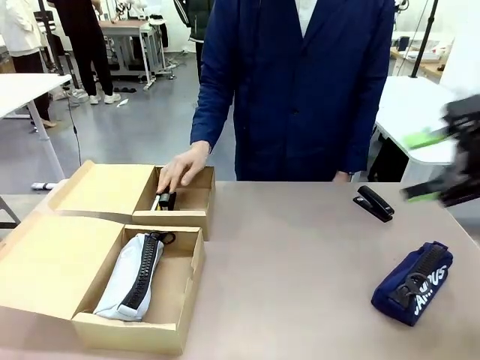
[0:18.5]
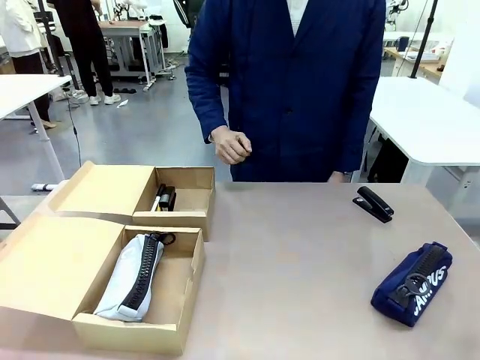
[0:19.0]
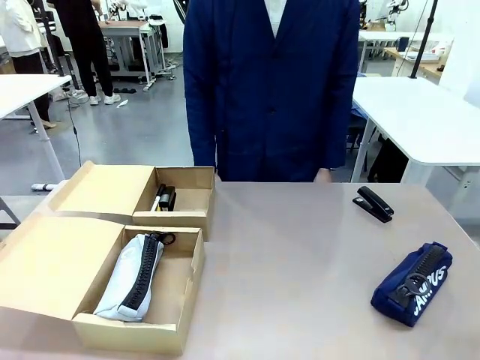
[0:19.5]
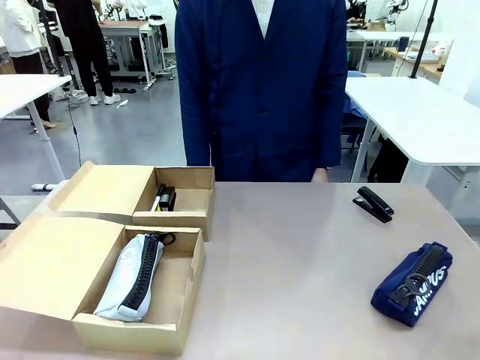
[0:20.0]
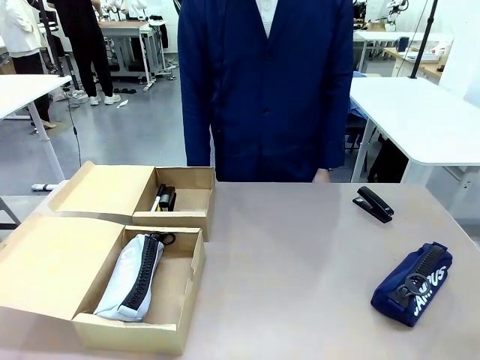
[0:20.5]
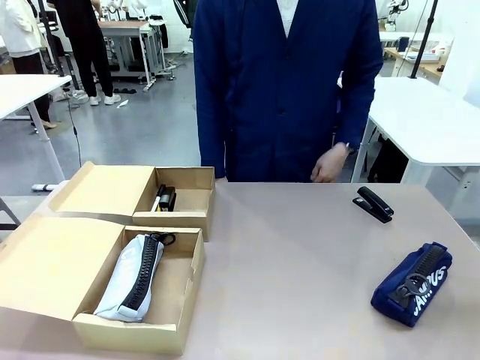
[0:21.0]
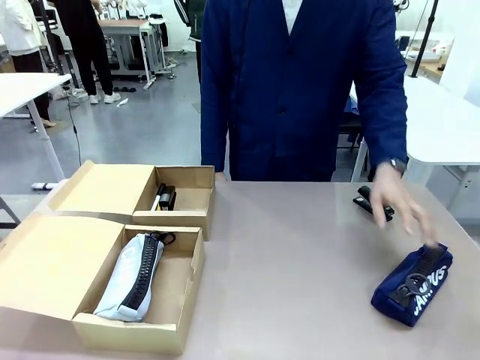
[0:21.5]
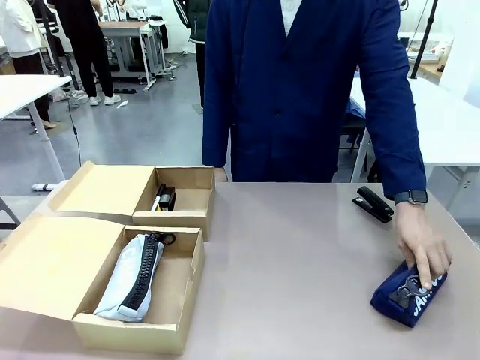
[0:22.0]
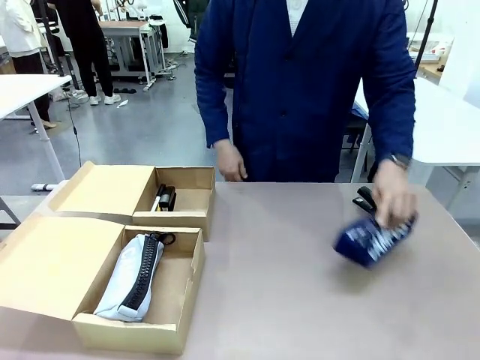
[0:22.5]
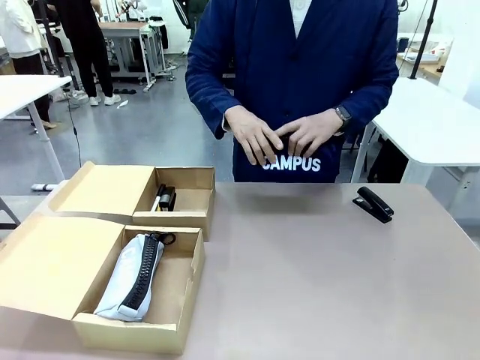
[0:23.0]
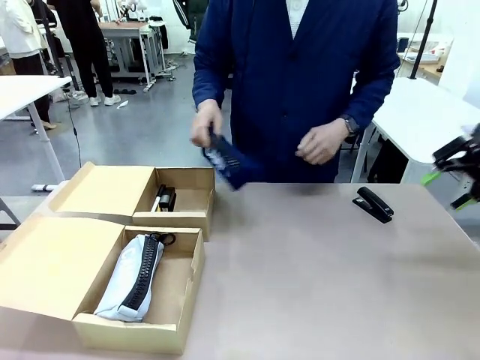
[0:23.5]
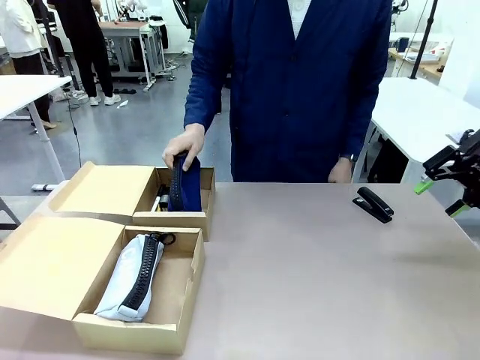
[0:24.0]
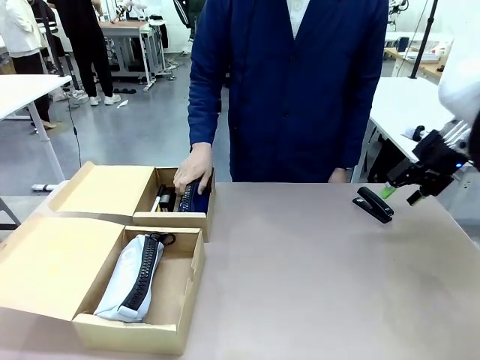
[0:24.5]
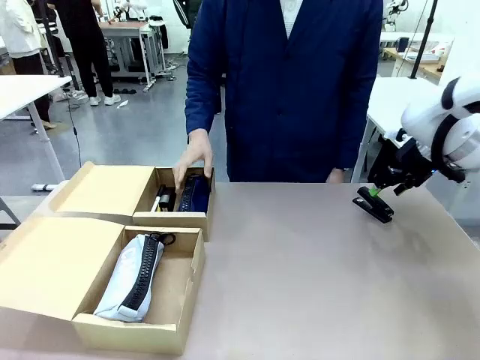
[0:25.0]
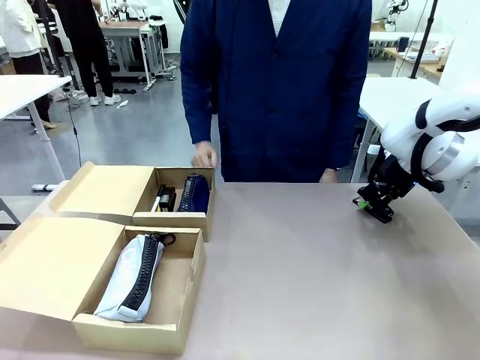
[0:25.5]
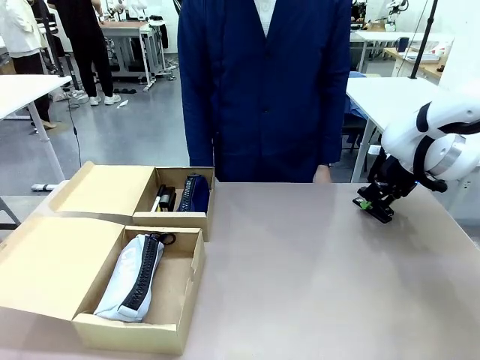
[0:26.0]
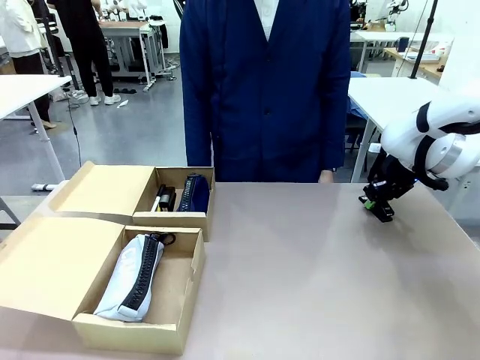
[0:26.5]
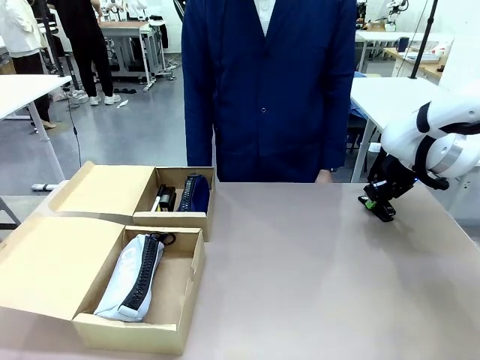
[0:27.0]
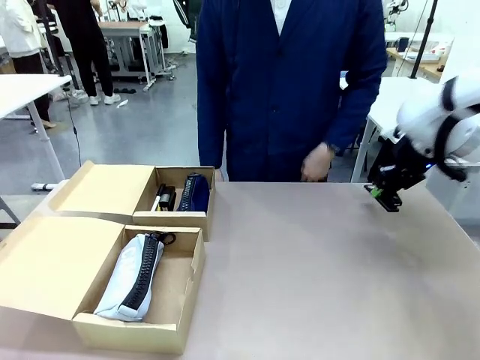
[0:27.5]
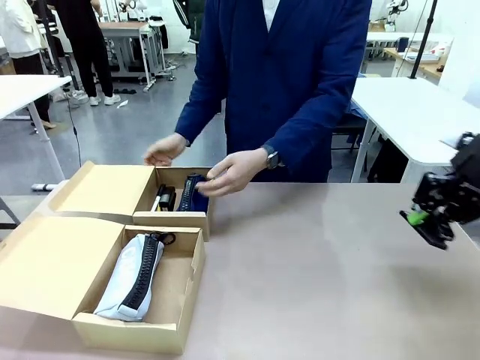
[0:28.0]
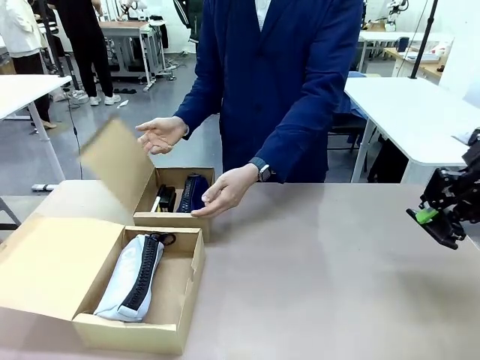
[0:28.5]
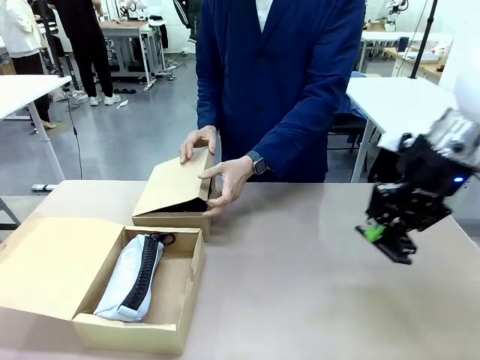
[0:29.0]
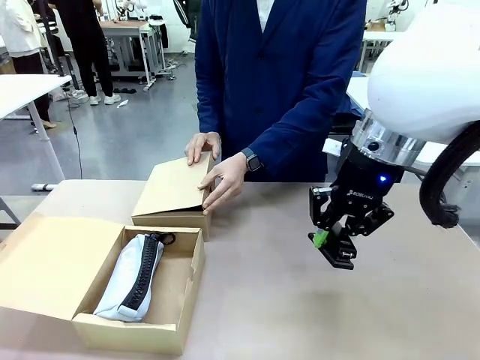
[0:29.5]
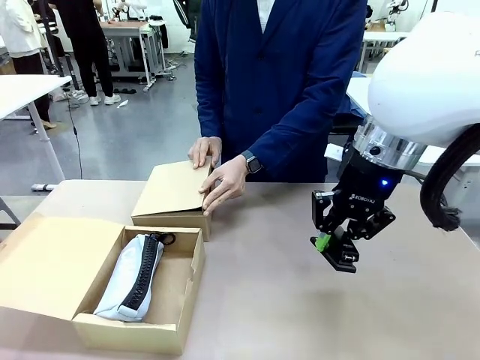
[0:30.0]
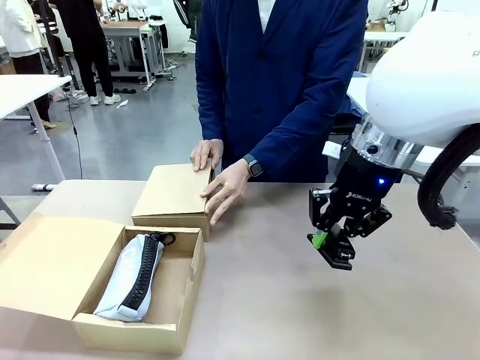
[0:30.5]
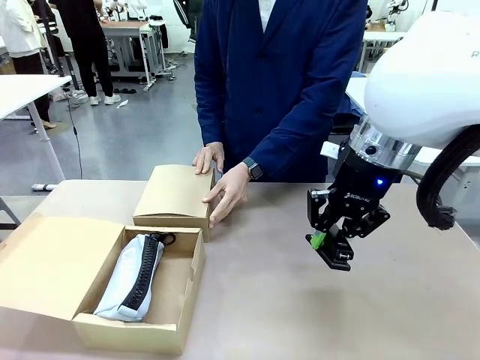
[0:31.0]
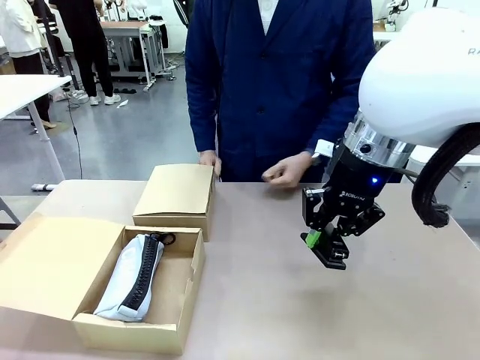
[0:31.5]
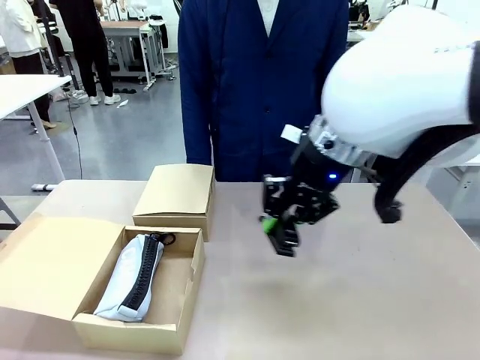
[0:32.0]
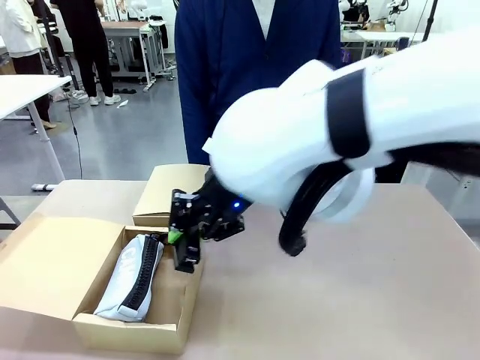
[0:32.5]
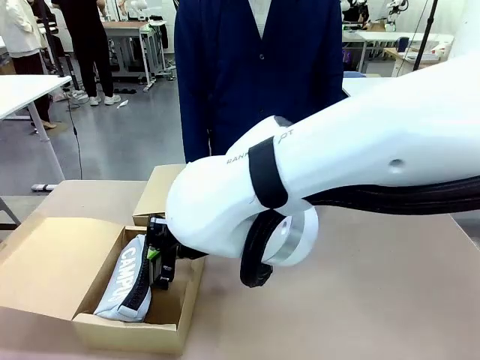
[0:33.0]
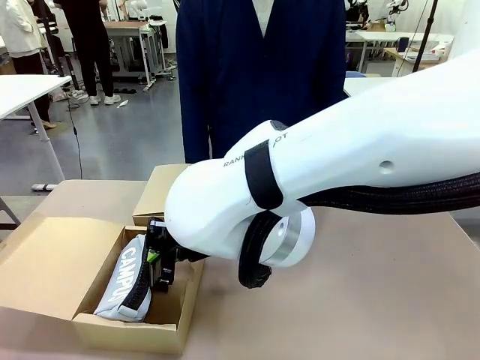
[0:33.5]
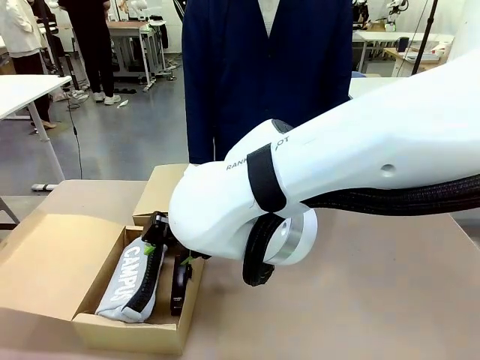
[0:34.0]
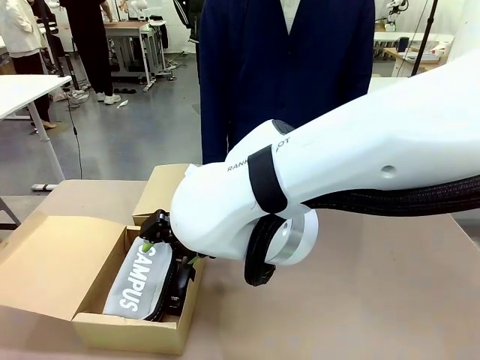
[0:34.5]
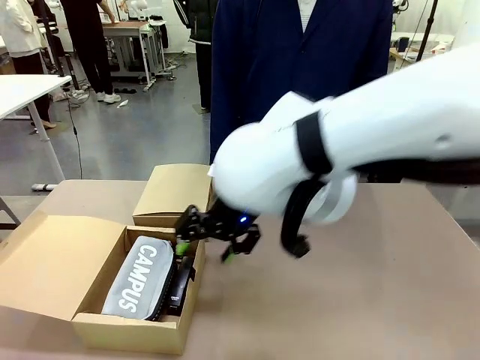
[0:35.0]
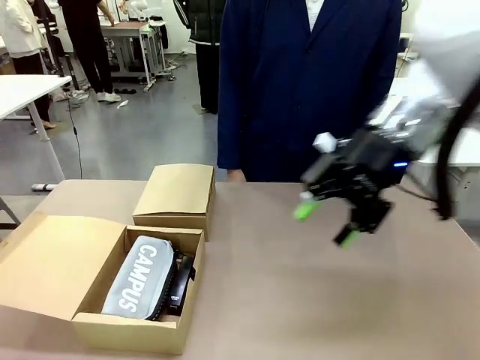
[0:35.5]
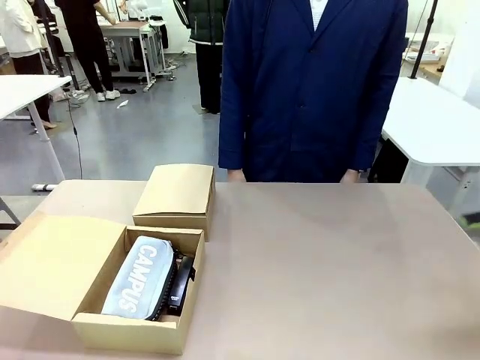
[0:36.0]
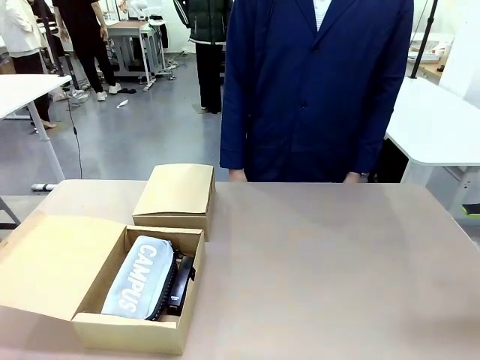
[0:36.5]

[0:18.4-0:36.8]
Task: Place items inside the box.
Robot: Pick up a Pencil pouch or Stapler and place it inside the Mailer Box closest to the robot.

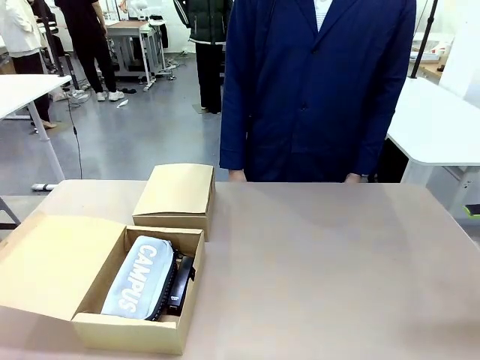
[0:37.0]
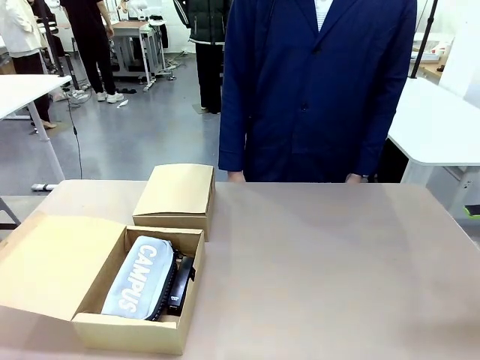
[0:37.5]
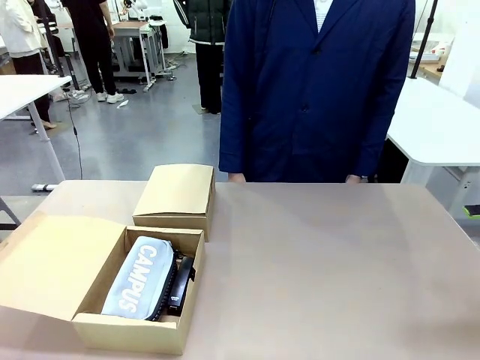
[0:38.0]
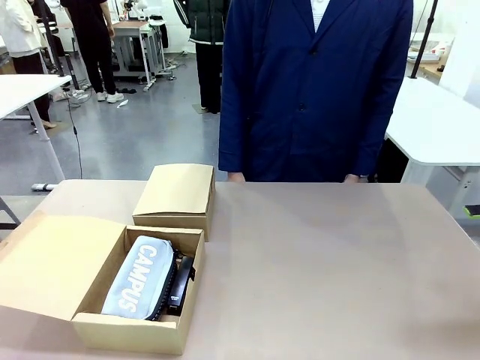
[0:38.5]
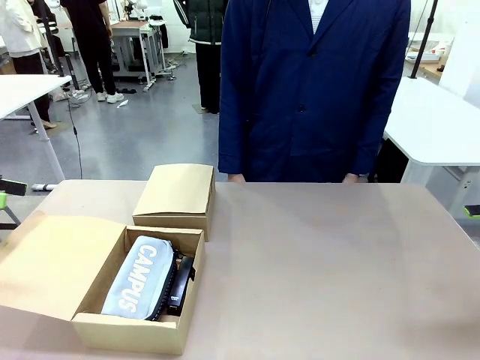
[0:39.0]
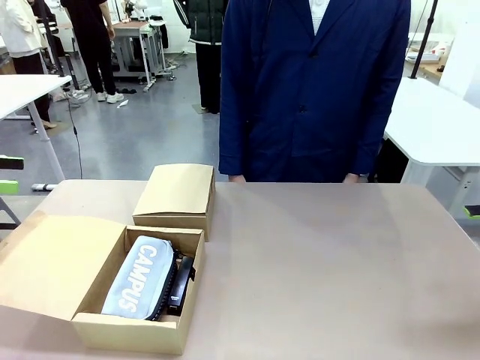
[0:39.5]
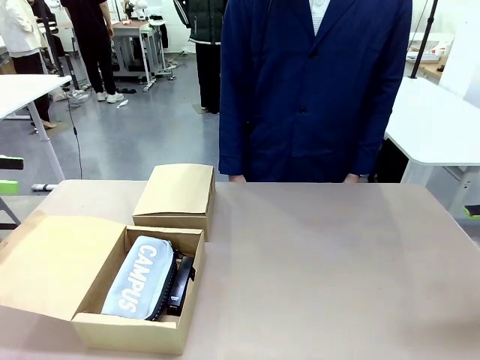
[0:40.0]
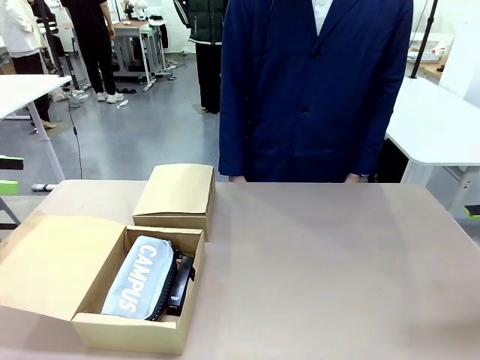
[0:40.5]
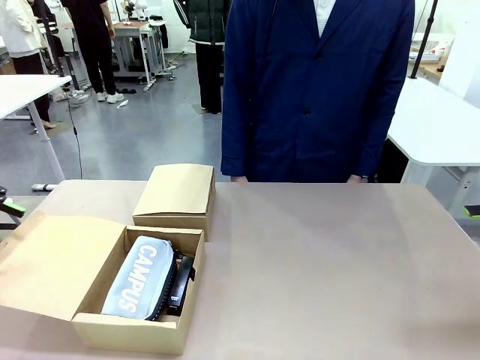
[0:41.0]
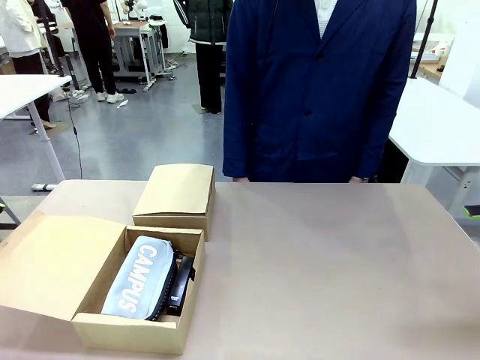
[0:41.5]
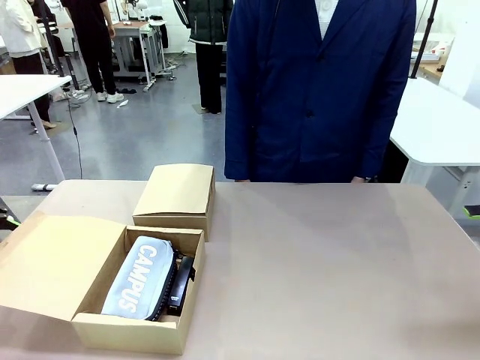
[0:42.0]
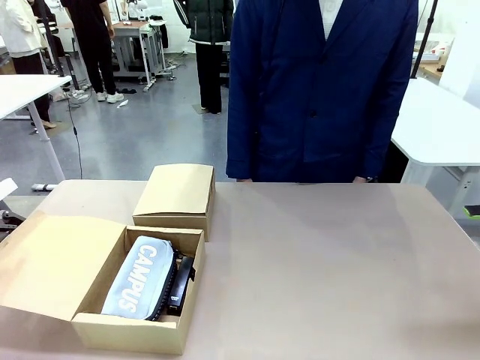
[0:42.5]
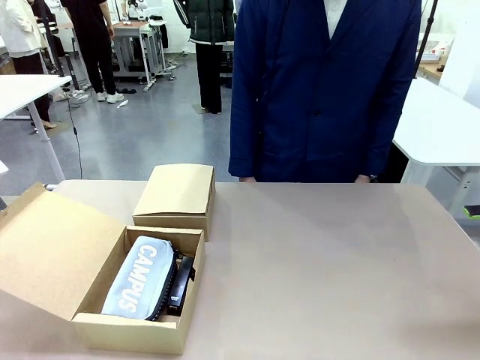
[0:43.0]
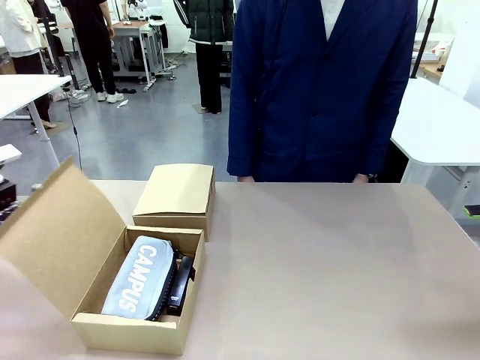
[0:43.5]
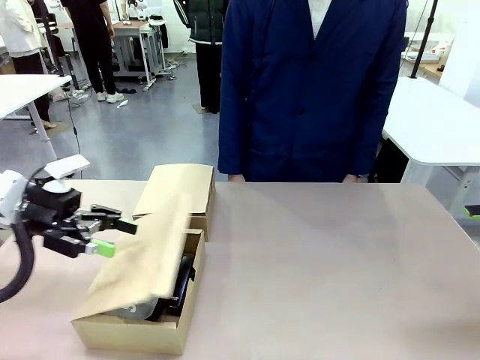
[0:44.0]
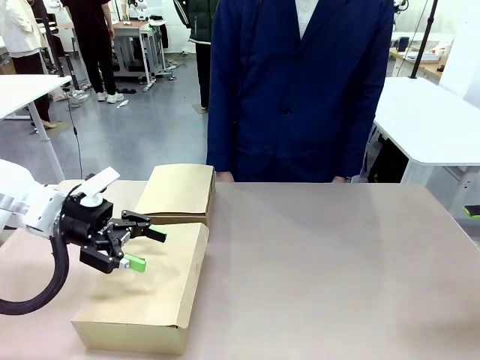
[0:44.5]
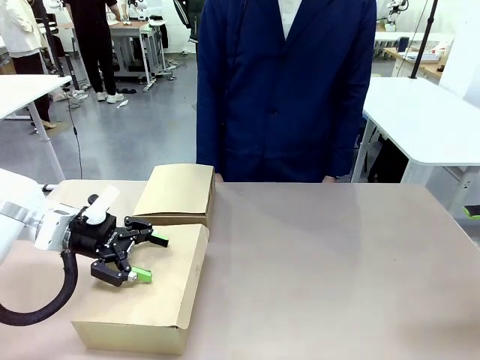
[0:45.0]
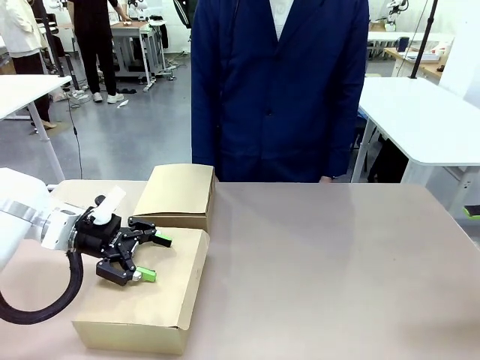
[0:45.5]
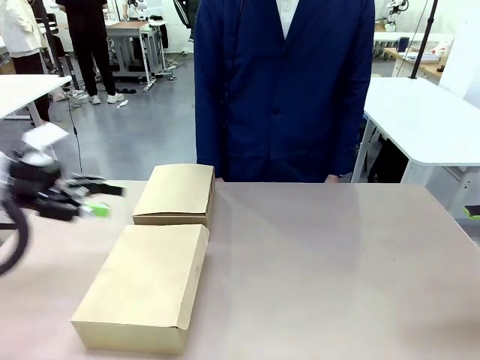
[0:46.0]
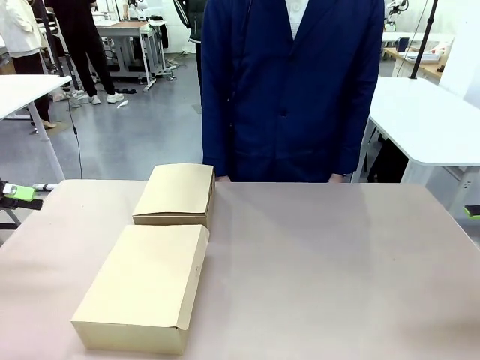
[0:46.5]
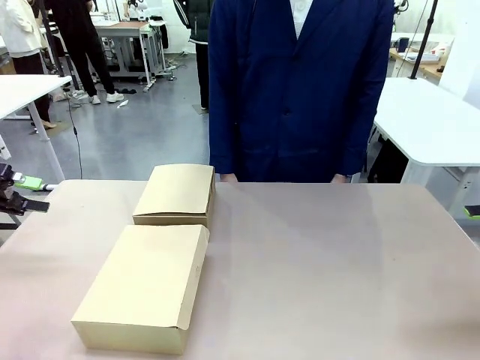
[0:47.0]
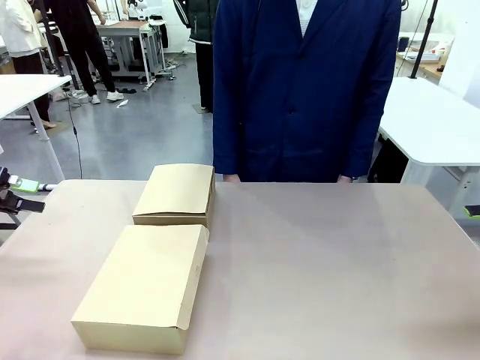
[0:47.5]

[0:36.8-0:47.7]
Robot: Close the lid of the Mailer Box closest to the robot.
Person: Close the lid of the box facing the person.
